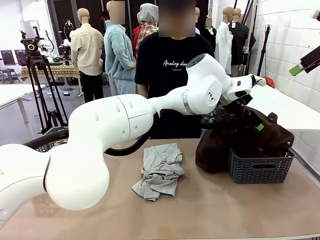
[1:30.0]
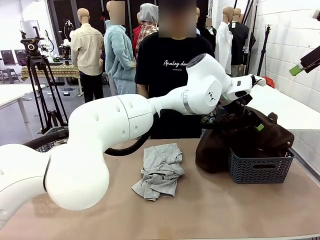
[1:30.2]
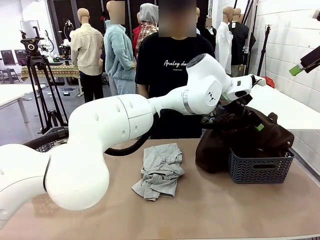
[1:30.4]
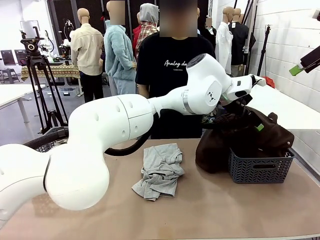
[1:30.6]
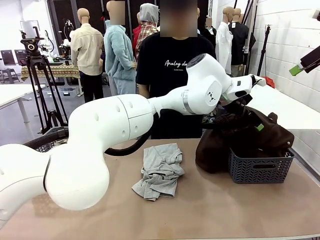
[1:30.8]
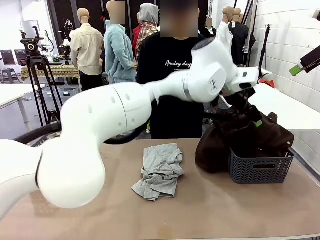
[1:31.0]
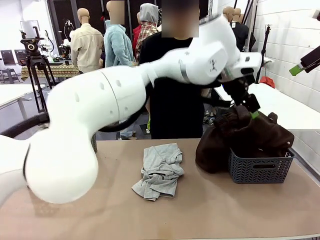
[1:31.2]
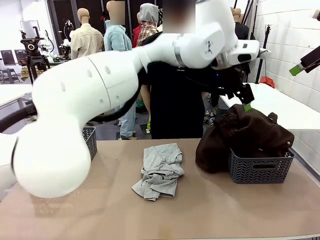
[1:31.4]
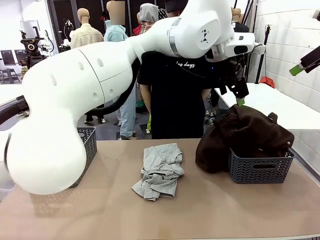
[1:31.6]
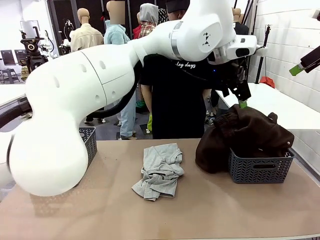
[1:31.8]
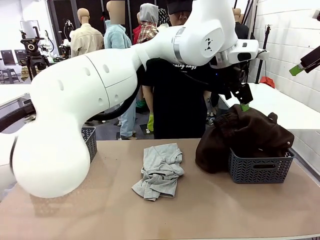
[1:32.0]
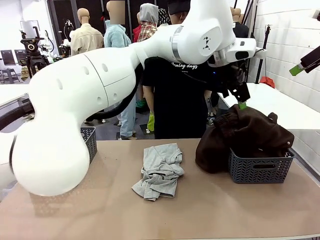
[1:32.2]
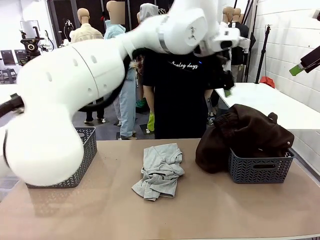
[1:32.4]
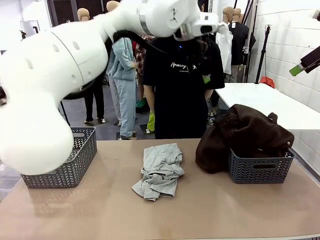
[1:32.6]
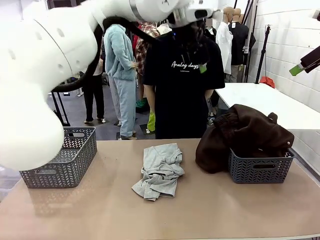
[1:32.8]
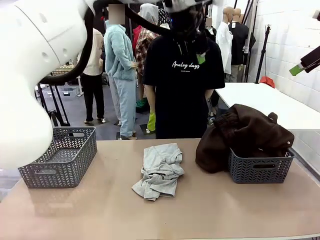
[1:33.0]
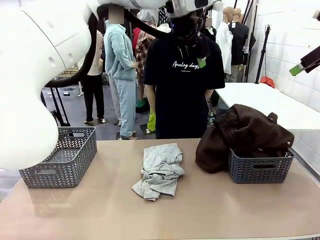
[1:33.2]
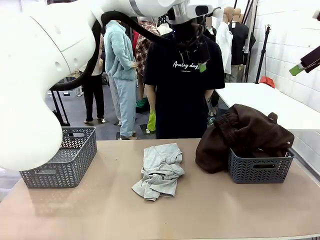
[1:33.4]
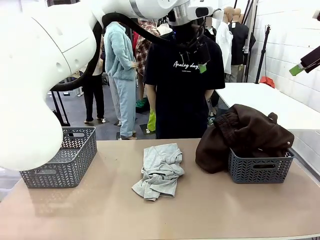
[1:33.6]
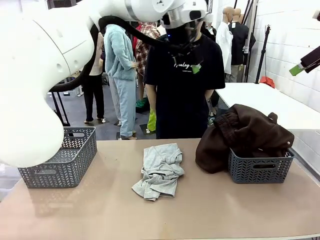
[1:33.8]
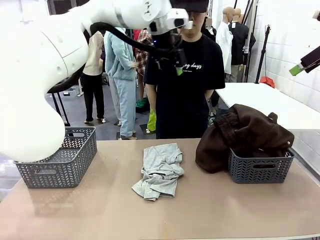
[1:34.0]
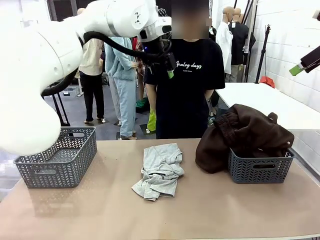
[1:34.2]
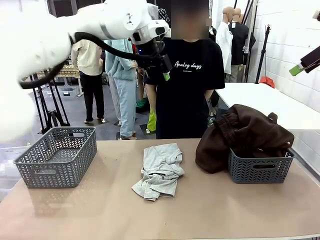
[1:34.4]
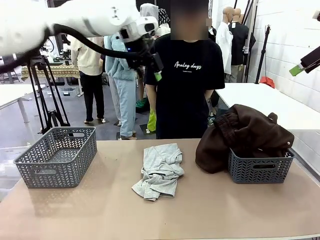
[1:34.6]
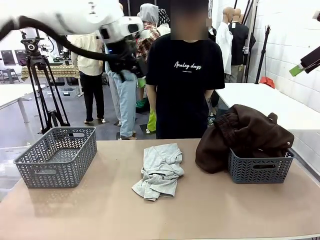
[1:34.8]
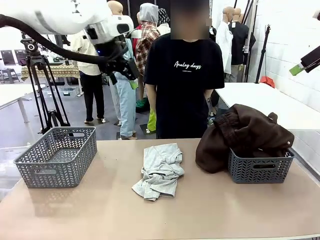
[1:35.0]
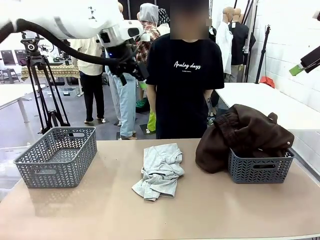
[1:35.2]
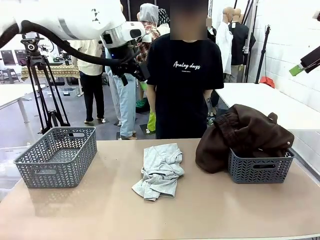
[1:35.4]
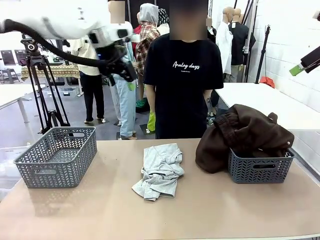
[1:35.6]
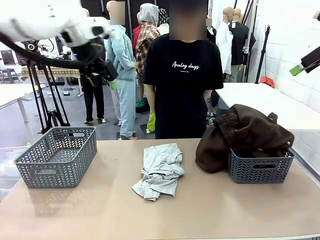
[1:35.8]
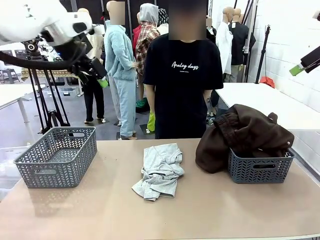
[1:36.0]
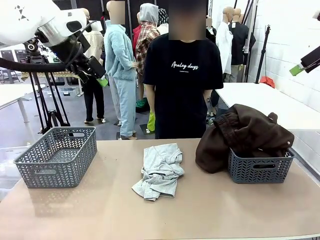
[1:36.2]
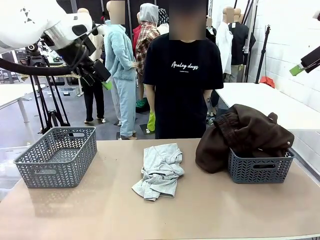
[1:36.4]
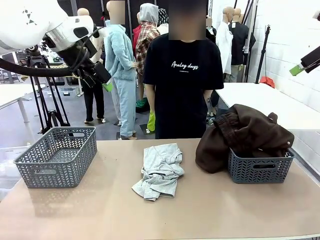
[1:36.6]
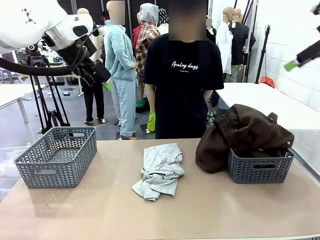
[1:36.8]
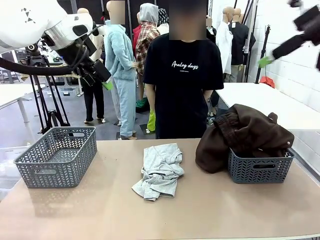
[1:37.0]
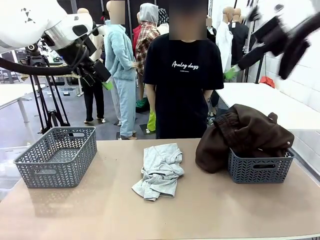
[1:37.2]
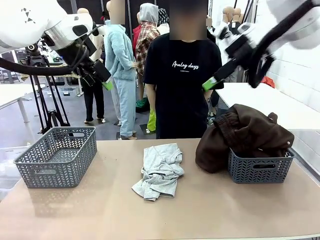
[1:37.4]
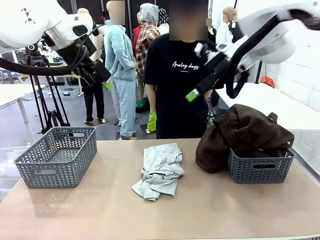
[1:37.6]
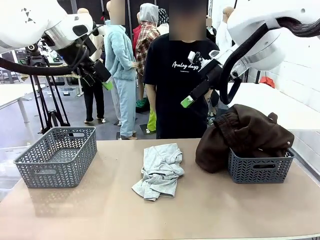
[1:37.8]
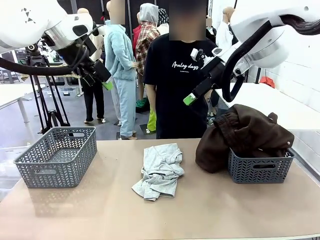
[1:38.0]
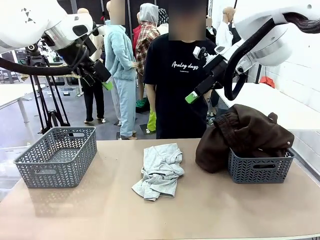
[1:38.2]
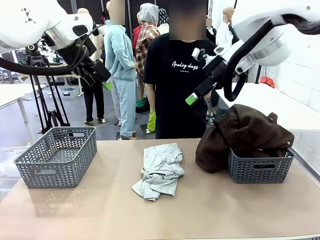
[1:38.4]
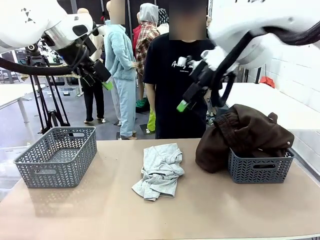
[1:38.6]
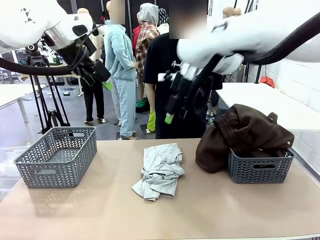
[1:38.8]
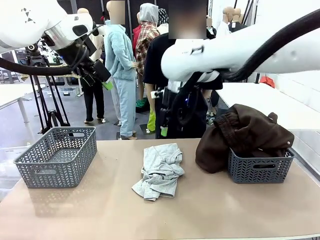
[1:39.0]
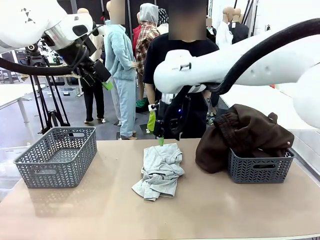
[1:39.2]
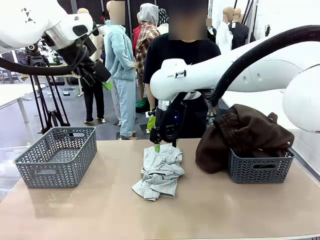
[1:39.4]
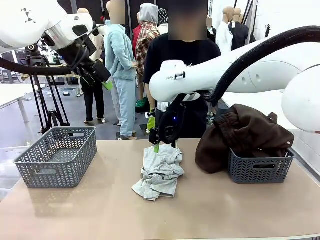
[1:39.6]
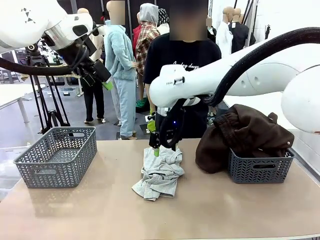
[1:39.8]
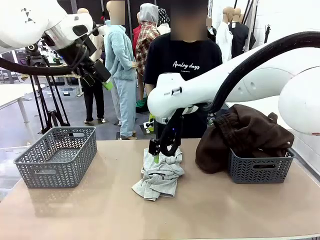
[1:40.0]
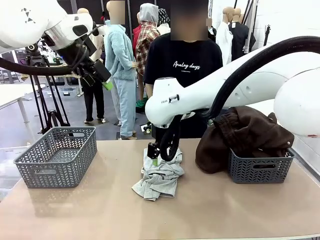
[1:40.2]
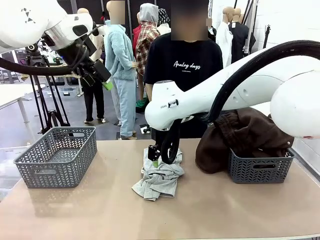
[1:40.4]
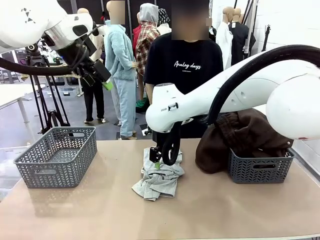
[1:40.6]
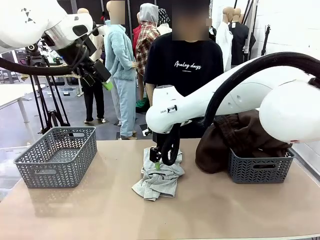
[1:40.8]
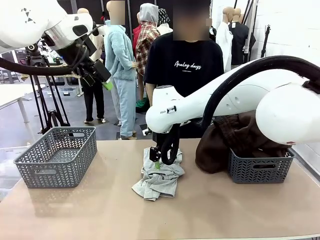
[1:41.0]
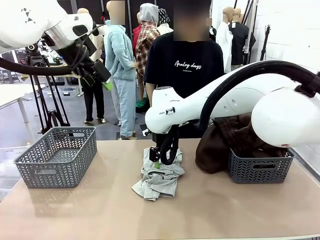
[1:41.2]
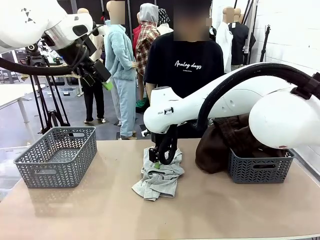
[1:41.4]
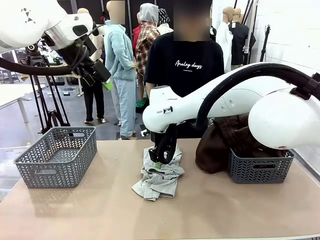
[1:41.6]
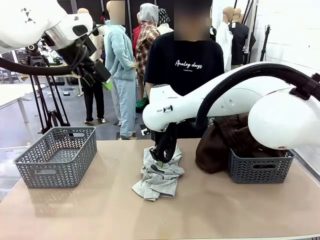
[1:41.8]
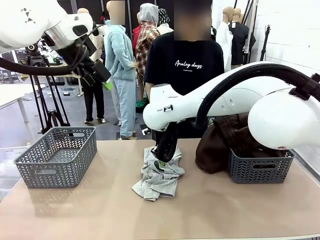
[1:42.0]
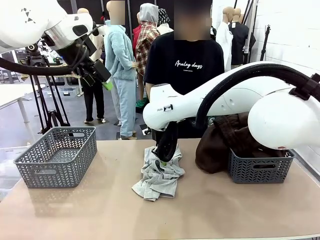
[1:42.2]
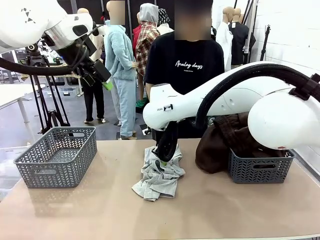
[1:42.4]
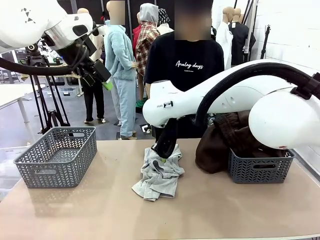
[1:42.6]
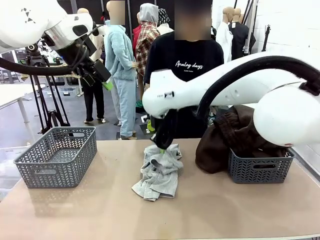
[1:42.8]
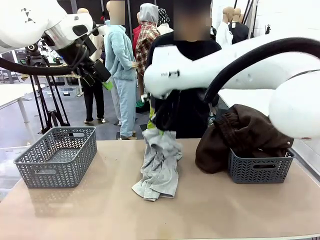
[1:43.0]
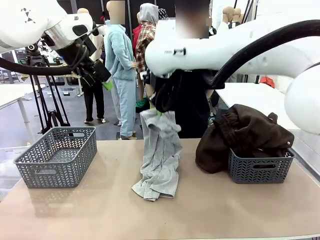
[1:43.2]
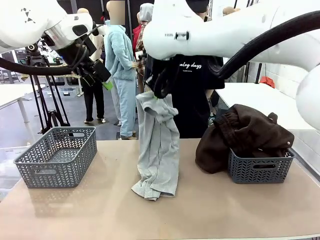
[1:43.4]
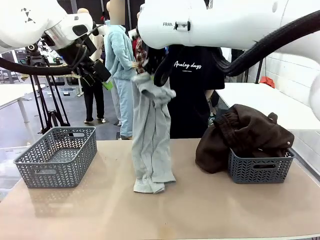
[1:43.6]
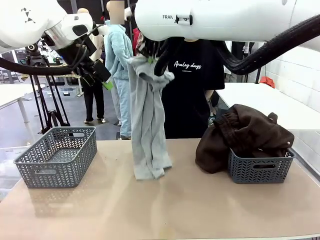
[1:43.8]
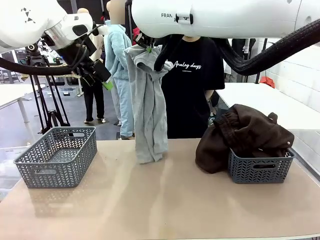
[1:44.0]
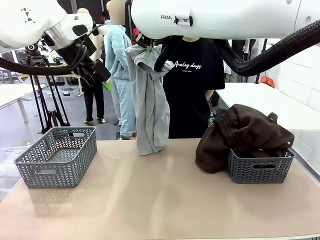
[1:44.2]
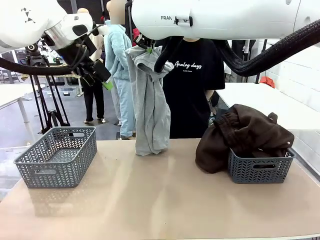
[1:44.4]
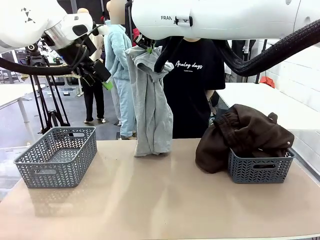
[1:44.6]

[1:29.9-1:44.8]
Task: Sort the tops and bottoms.
Robot: Lift clothes from the center of the table with your right hand.
